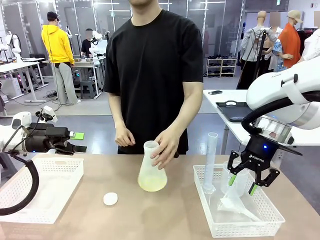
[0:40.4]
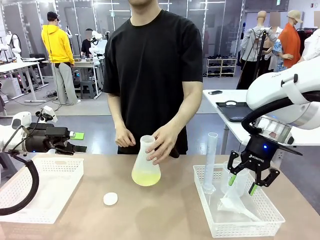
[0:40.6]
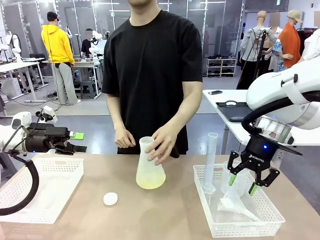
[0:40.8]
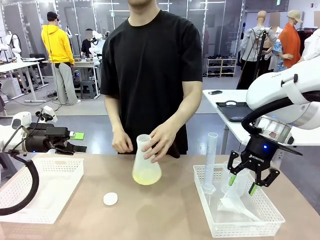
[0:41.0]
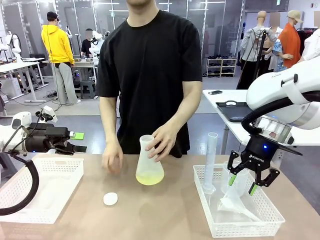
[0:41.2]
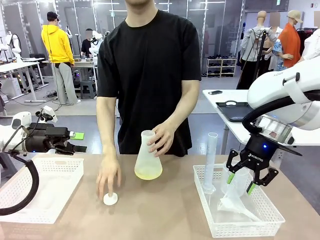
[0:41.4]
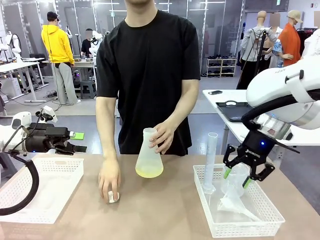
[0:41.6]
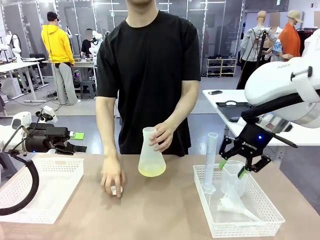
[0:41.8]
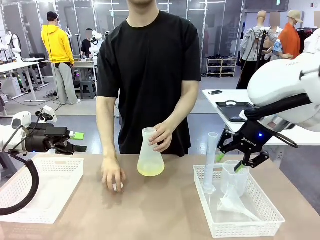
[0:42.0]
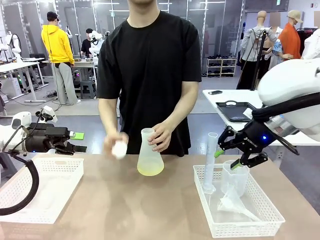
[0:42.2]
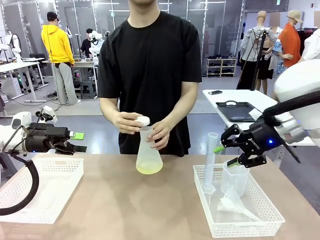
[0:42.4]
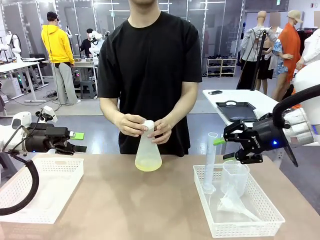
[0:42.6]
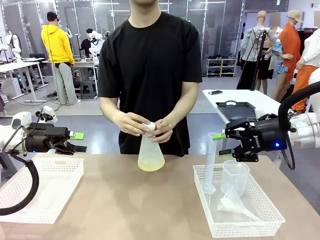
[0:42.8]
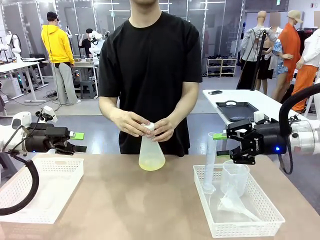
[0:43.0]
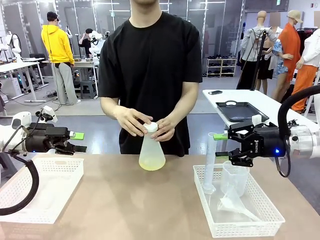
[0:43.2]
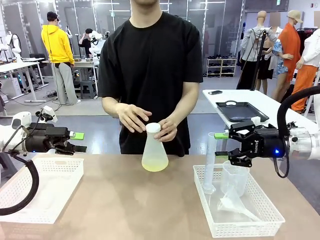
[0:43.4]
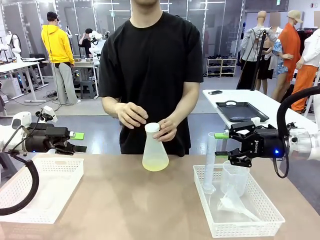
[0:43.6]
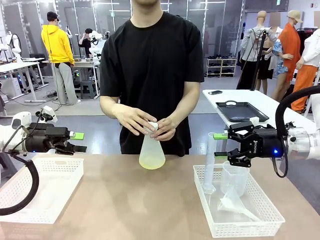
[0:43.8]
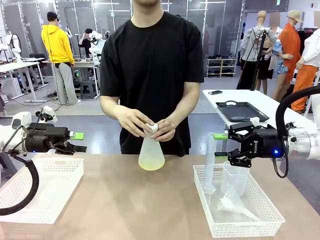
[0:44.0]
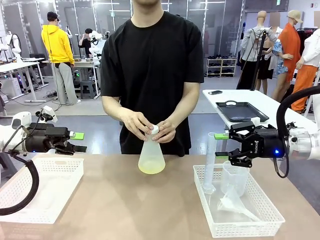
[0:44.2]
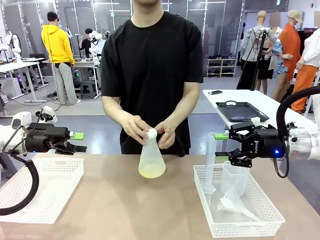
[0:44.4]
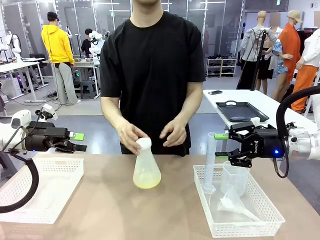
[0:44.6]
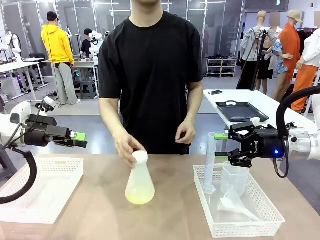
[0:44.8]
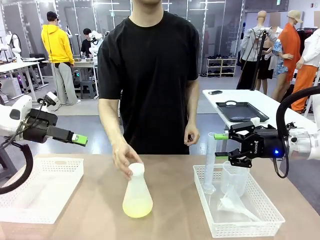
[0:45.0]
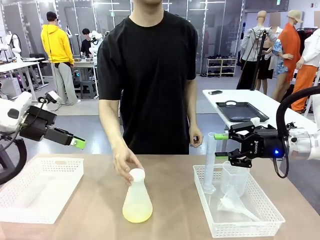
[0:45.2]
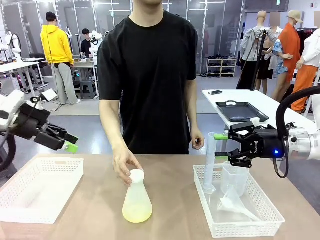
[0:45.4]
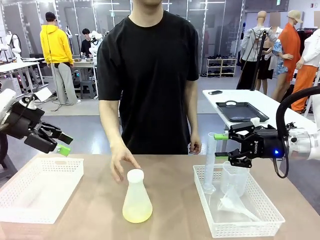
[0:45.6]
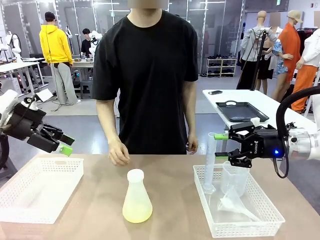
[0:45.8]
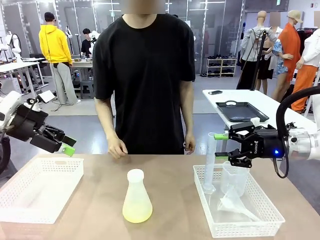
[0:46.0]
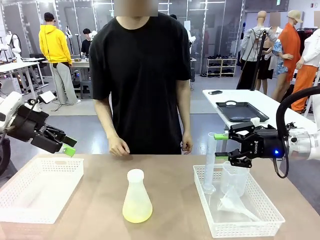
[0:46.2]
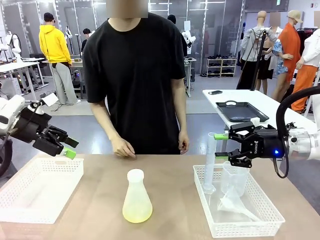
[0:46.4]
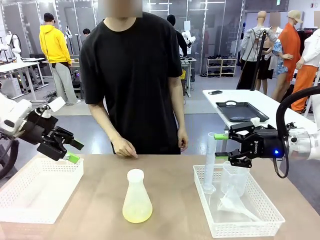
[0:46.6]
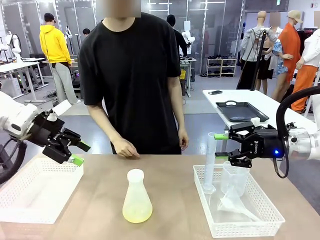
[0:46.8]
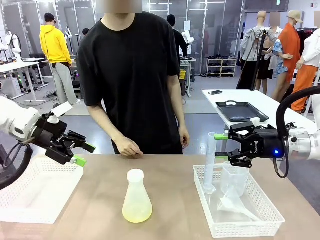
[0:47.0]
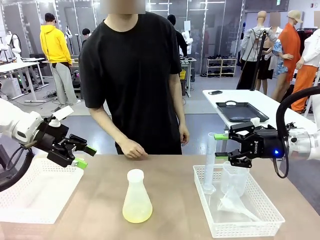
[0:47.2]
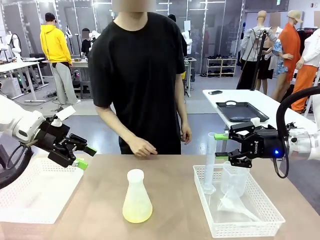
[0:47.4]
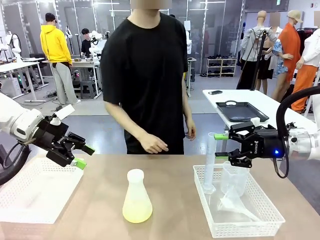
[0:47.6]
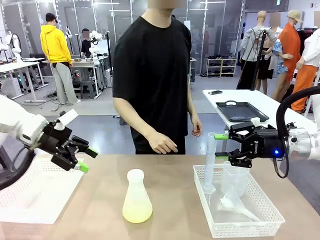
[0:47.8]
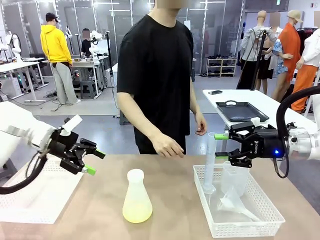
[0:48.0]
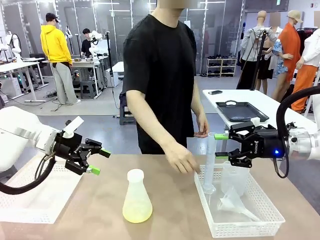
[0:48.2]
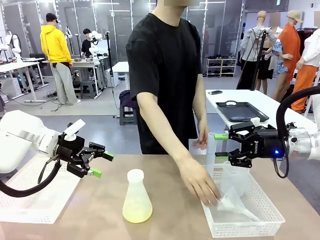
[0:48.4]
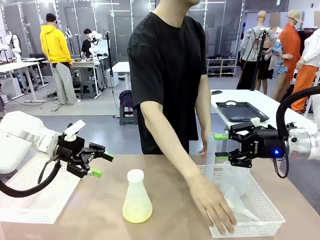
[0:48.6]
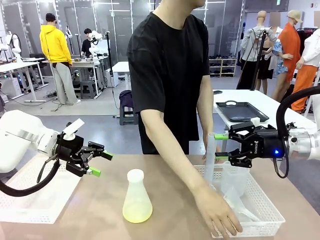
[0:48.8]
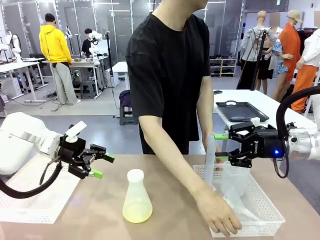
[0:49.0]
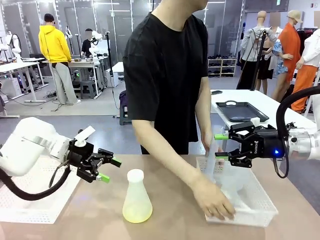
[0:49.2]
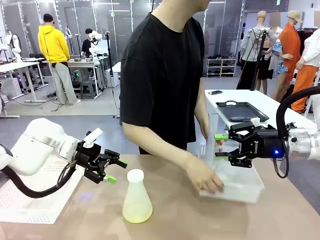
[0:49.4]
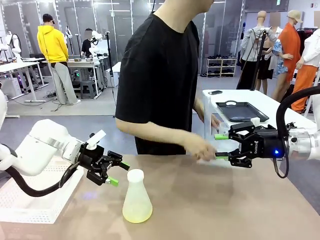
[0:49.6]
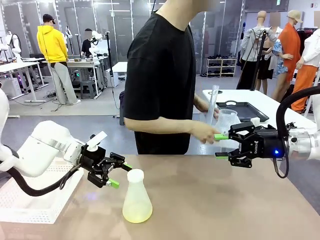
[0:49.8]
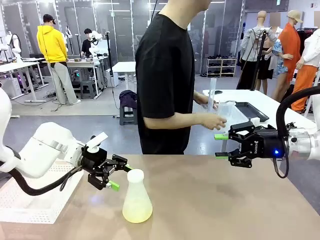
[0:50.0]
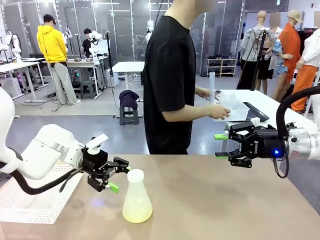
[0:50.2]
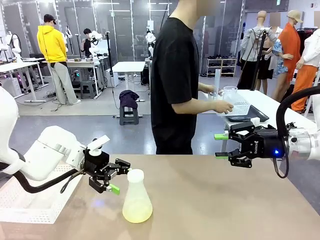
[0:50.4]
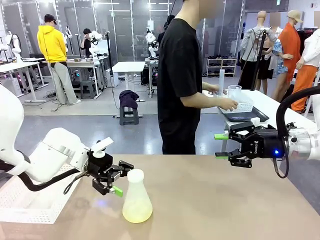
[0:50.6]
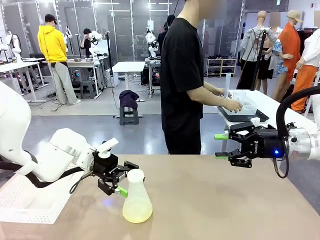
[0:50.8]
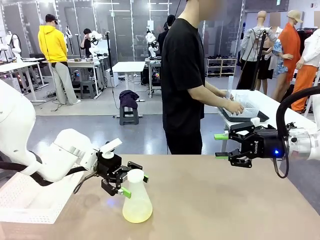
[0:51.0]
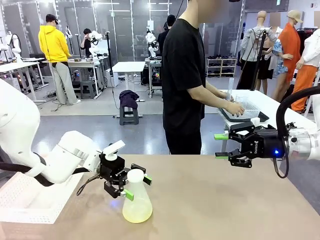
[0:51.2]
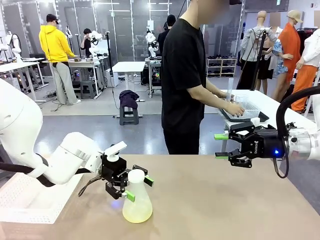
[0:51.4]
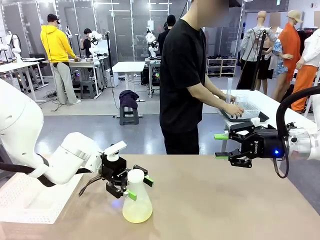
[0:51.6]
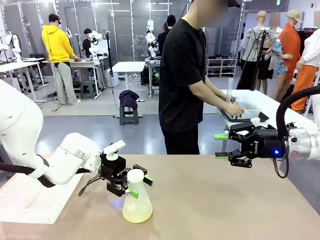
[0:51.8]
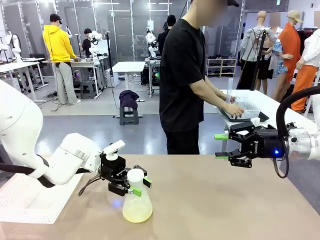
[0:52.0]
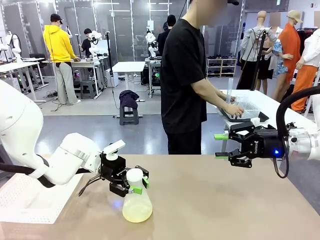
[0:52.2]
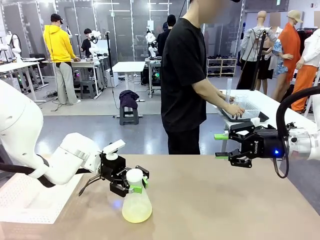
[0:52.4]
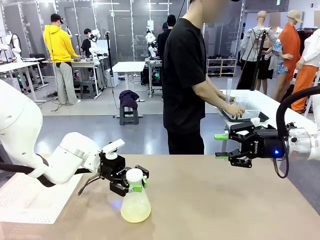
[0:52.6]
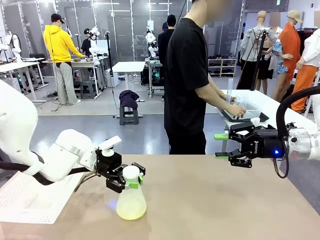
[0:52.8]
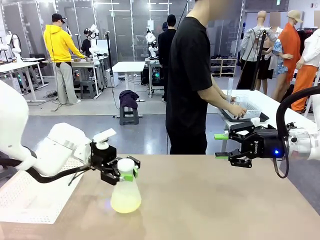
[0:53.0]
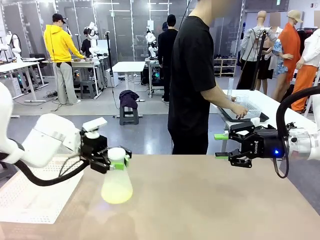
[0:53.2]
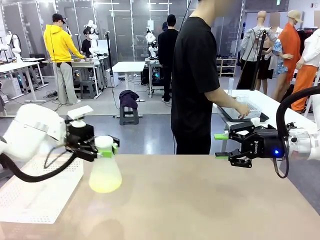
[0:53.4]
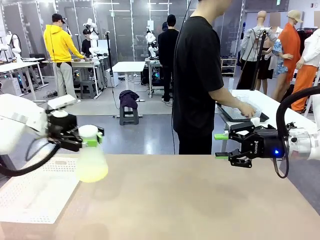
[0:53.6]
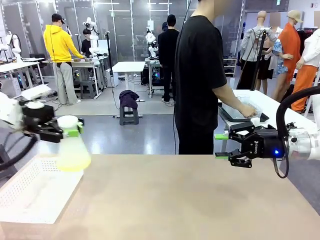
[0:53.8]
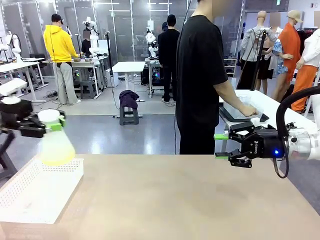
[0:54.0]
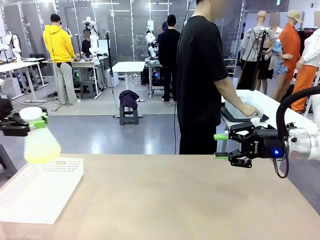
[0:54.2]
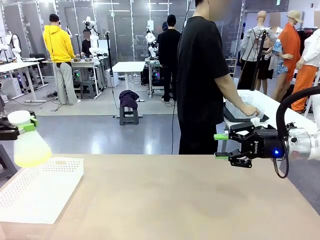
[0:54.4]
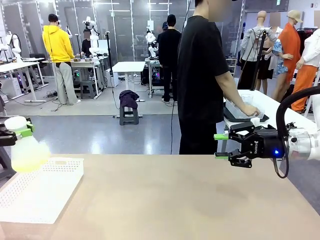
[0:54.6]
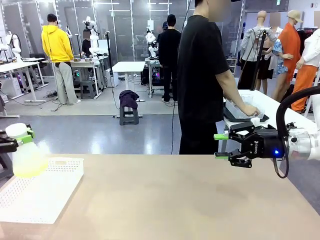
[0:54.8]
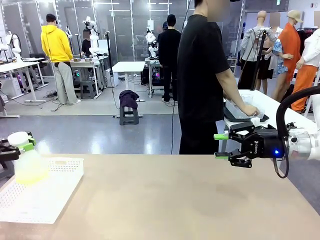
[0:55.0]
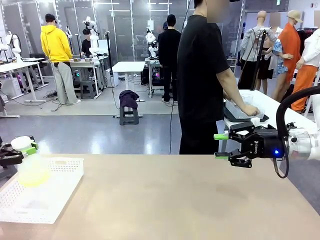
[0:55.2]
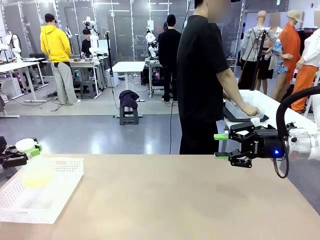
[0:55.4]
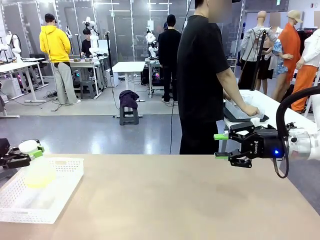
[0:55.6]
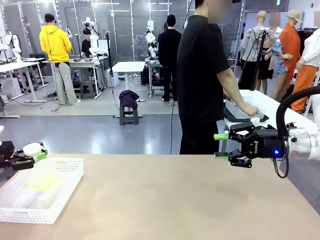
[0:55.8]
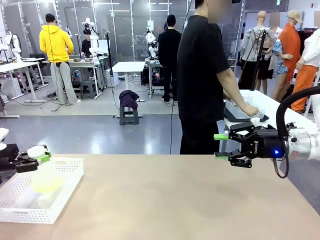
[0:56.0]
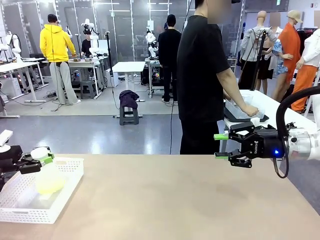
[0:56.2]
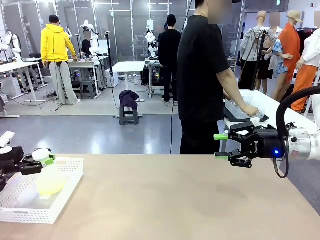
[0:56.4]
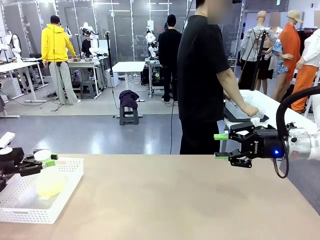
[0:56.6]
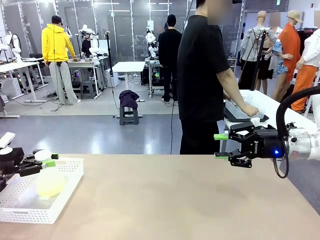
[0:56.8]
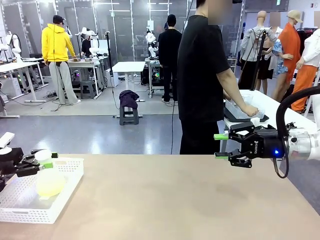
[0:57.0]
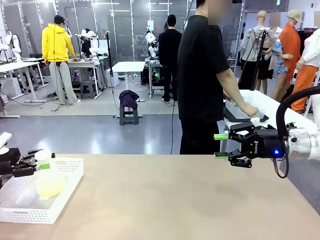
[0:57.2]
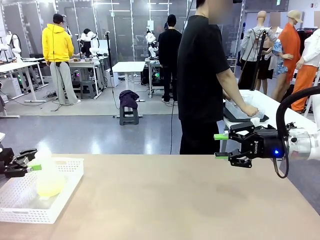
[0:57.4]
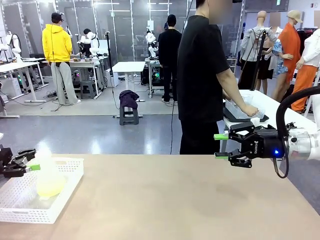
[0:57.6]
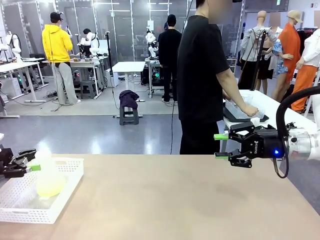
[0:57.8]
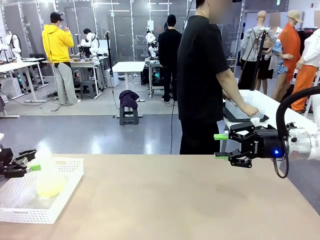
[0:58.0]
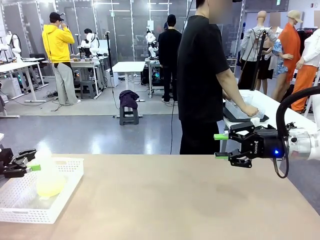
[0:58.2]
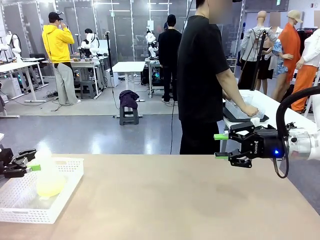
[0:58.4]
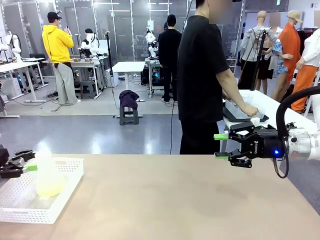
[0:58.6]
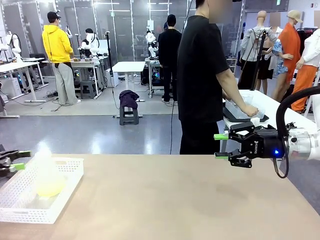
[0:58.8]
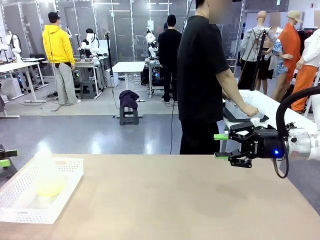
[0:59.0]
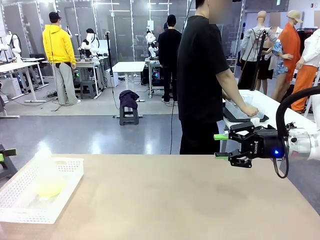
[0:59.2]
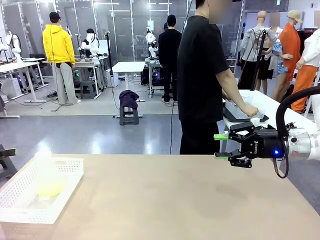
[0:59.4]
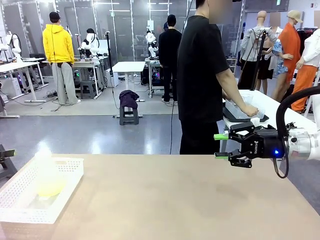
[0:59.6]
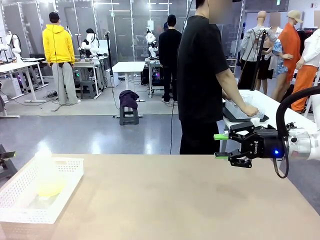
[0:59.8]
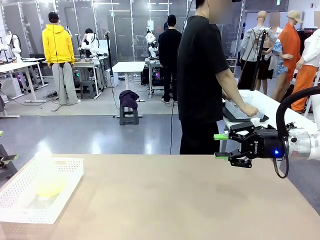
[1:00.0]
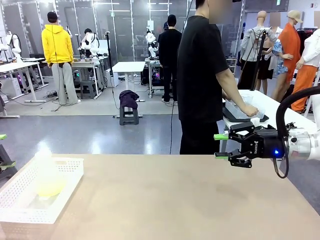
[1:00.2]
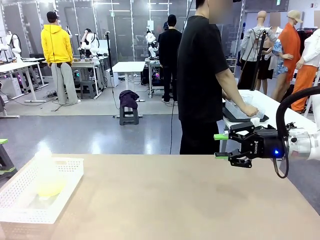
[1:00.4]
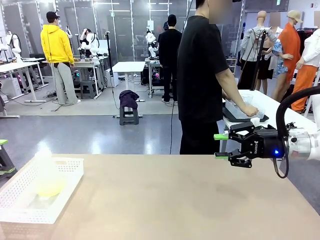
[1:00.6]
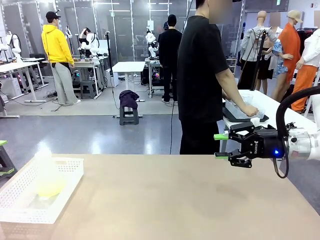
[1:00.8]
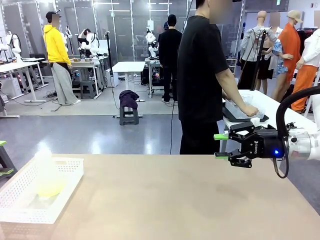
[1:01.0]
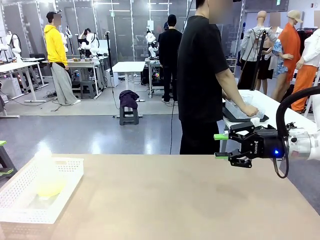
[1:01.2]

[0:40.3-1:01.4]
Task: Prepare the solutions needed for the experiment.
Robot: When the human places the Big flask in the center of the table, pick up the Big flask and place it in the left Organizing basket.
Person: Pick up the organizing basket on the left side of the robot table and place it on the left side of the human table.
